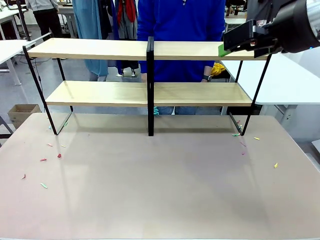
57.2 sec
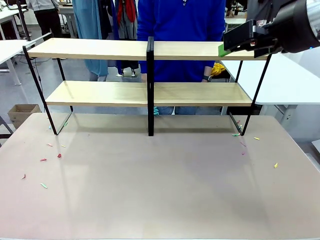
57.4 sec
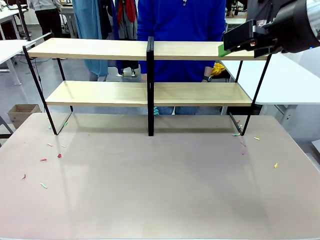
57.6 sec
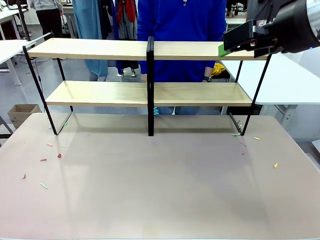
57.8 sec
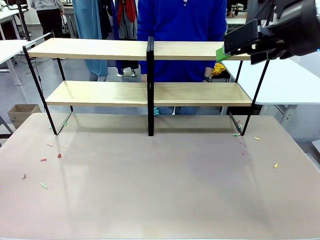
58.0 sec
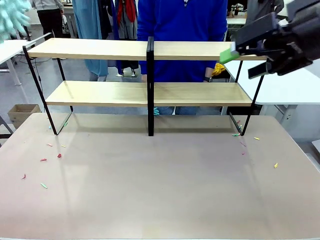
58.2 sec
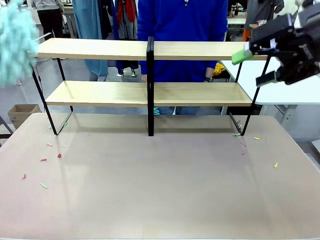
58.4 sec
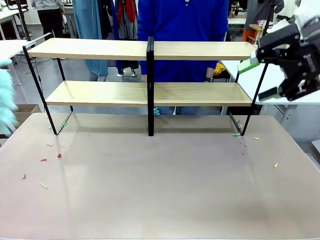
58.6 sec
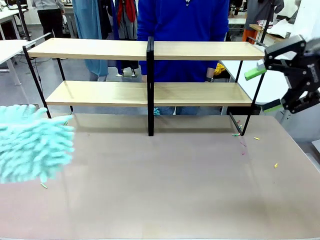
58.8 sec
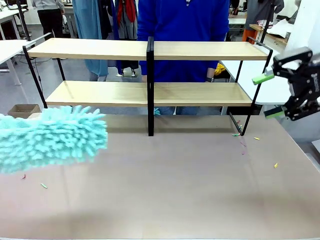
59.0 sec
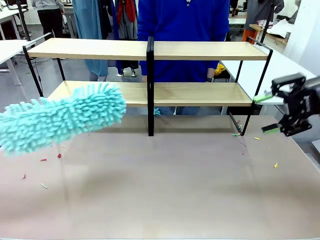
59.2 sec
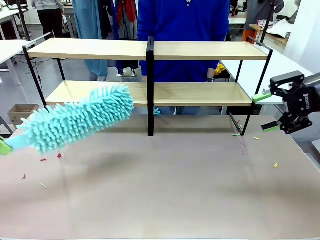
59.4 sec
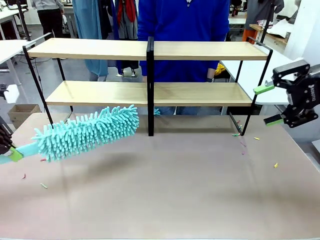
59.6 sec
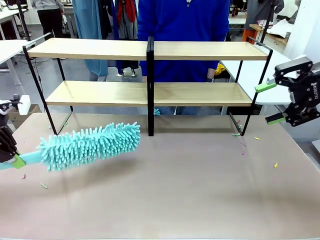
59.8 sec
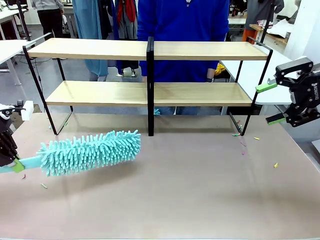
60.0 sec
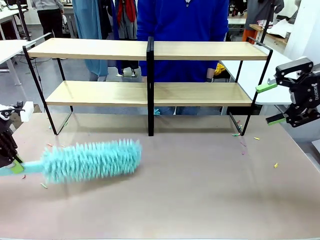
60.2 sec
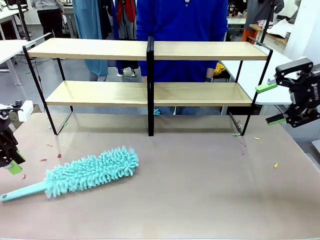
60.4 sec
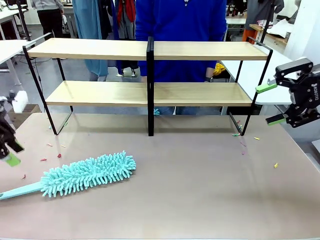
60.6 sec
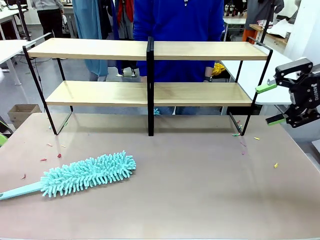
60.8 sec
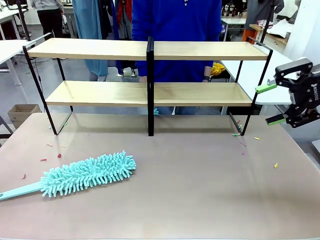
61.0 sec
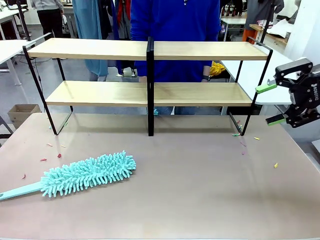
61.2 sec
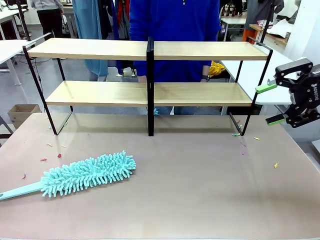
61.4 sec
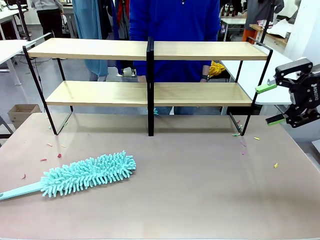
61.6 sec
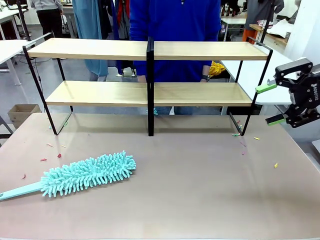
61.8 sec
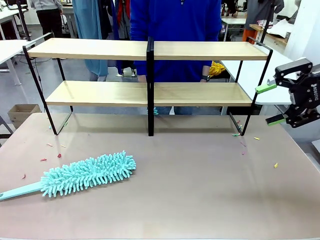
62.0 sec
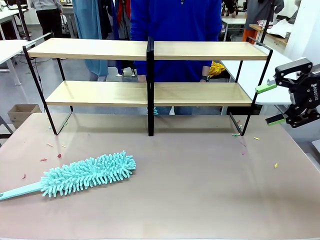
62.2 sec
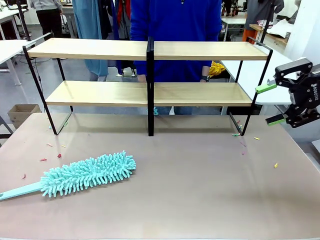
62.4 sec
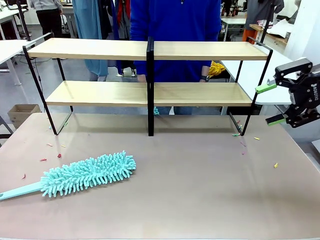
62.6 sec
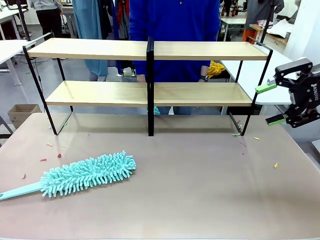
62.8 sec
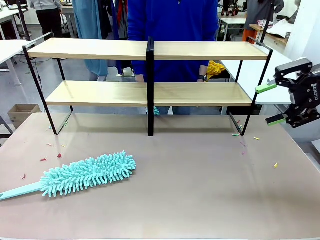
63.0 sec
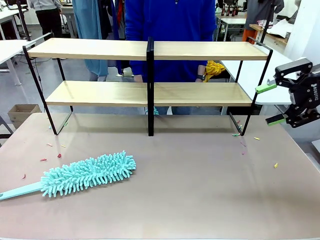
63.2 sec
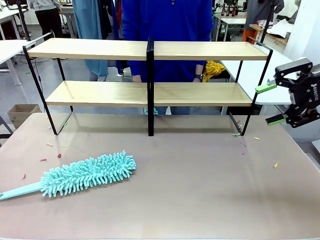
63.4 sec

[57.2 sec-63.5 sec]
Task: Clean the shelves.
Robot: Place the Duster on the table.

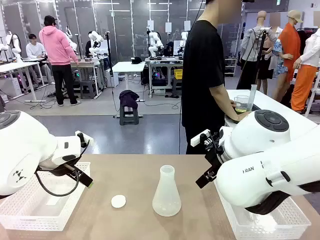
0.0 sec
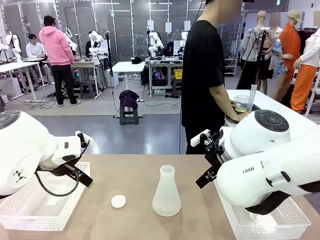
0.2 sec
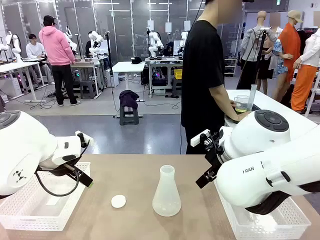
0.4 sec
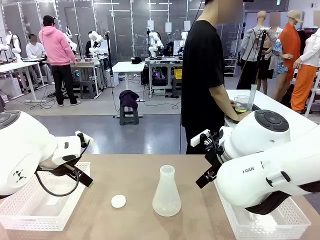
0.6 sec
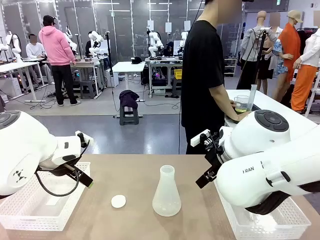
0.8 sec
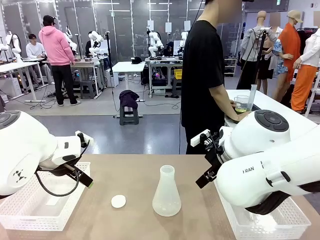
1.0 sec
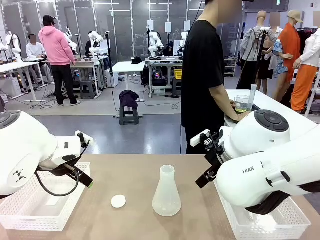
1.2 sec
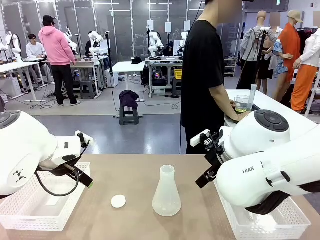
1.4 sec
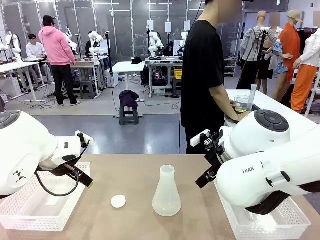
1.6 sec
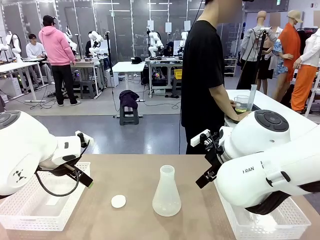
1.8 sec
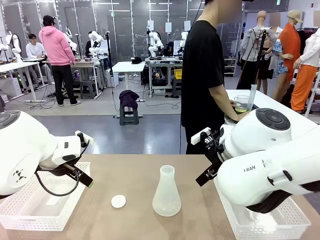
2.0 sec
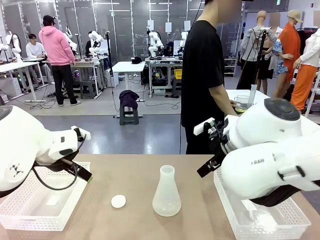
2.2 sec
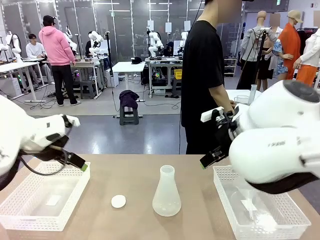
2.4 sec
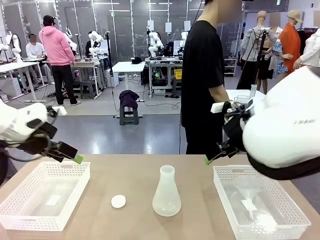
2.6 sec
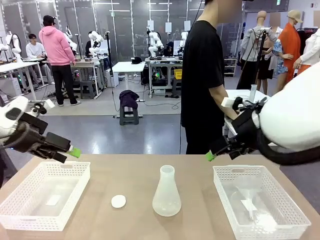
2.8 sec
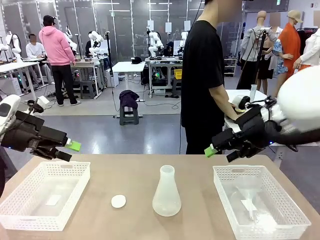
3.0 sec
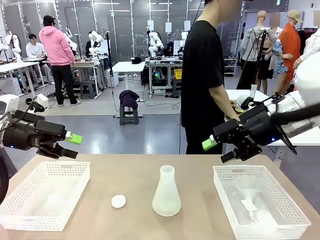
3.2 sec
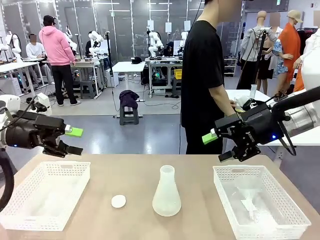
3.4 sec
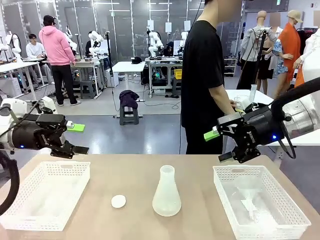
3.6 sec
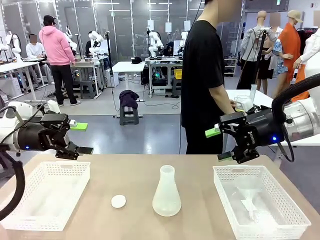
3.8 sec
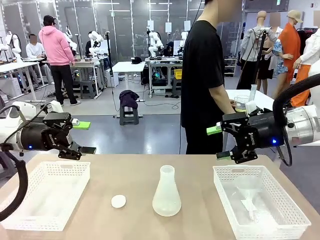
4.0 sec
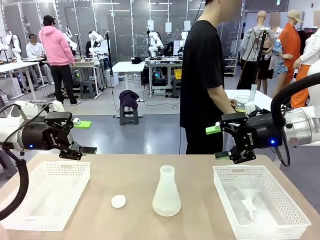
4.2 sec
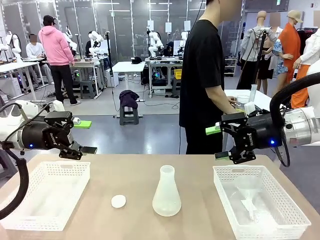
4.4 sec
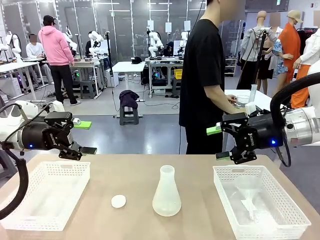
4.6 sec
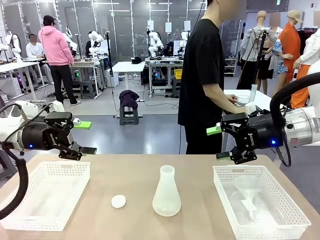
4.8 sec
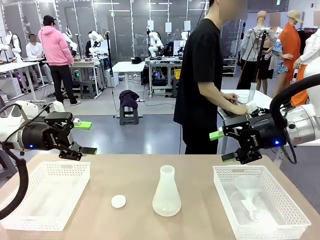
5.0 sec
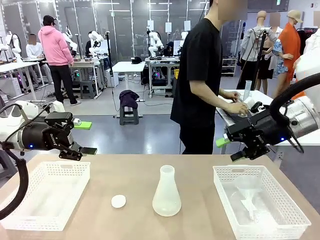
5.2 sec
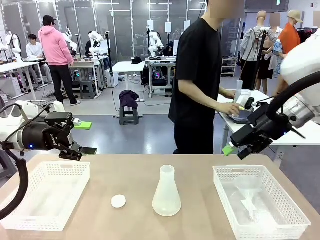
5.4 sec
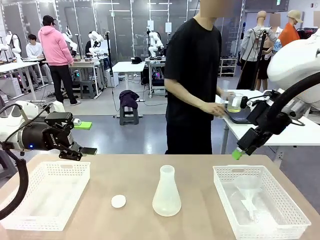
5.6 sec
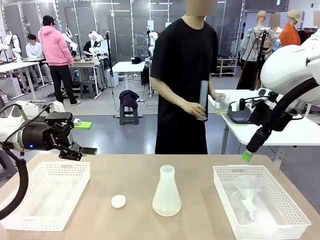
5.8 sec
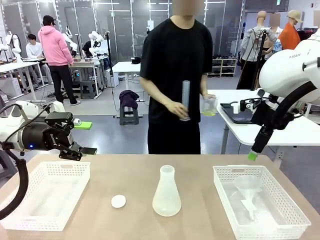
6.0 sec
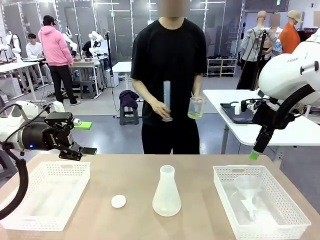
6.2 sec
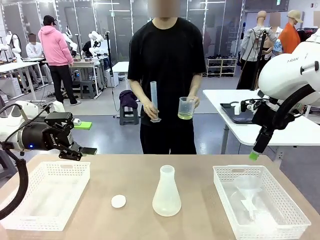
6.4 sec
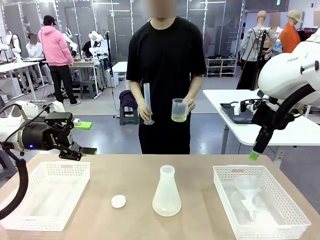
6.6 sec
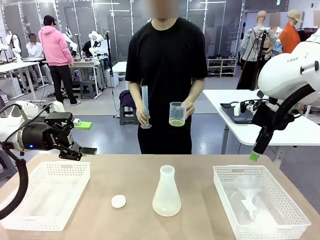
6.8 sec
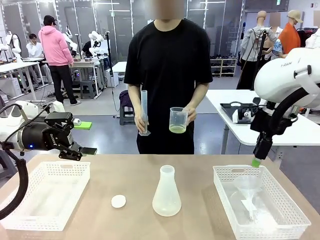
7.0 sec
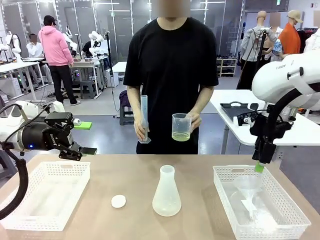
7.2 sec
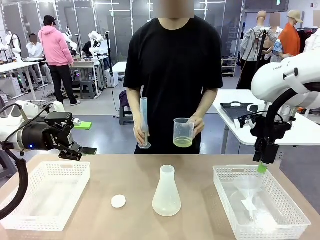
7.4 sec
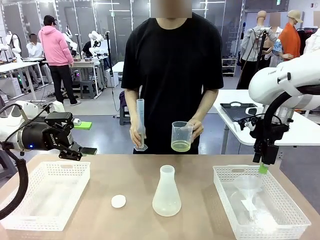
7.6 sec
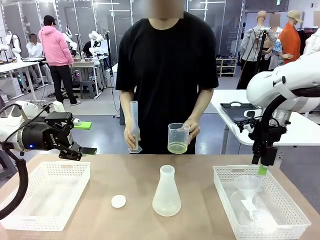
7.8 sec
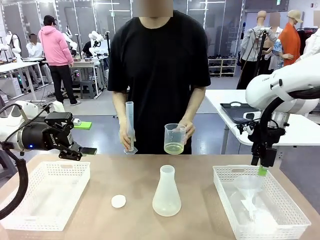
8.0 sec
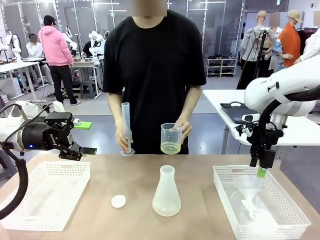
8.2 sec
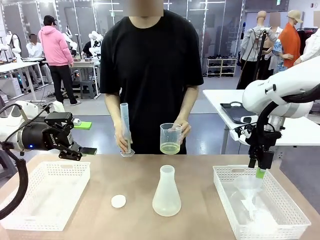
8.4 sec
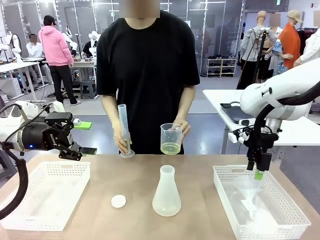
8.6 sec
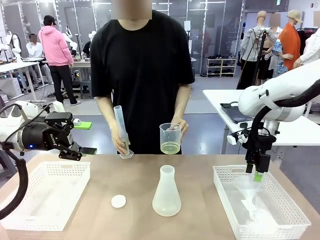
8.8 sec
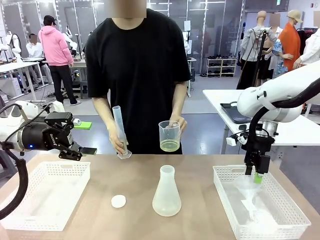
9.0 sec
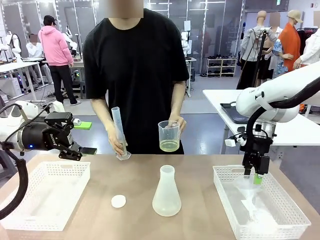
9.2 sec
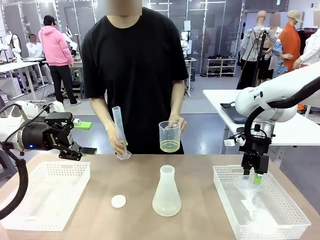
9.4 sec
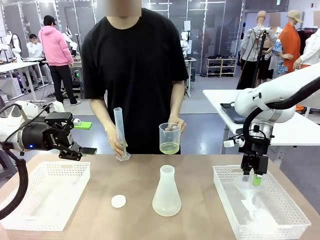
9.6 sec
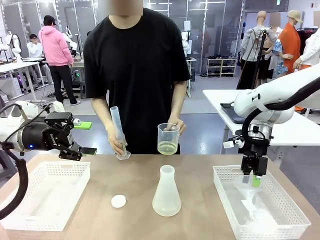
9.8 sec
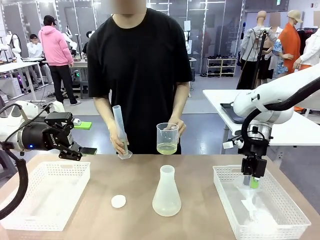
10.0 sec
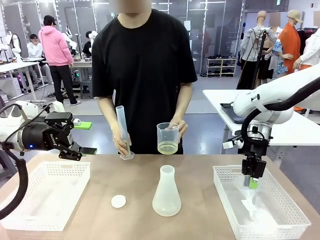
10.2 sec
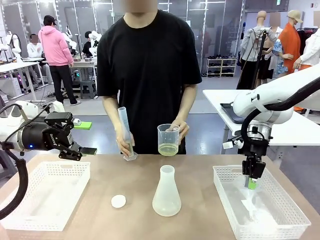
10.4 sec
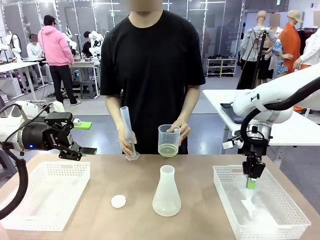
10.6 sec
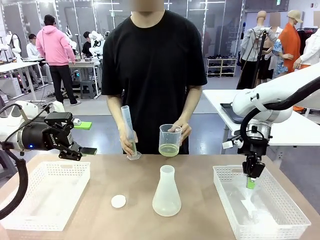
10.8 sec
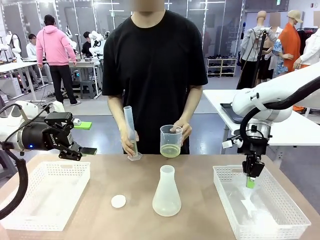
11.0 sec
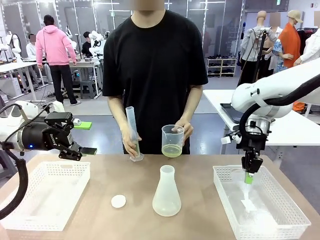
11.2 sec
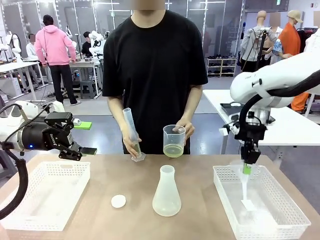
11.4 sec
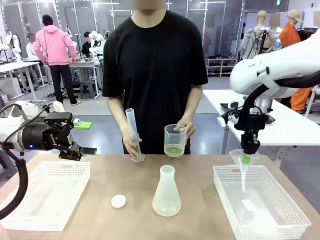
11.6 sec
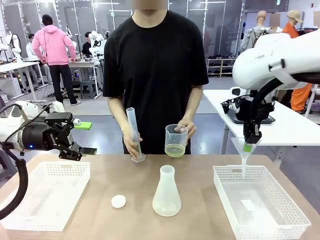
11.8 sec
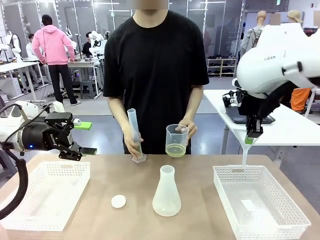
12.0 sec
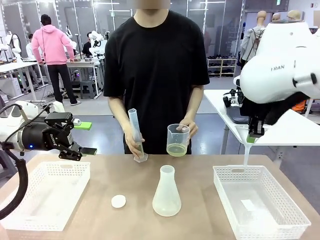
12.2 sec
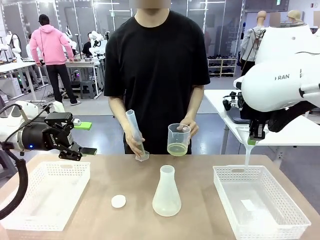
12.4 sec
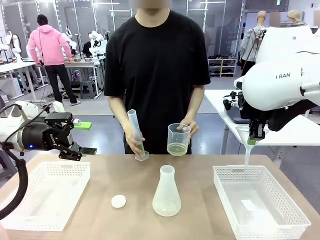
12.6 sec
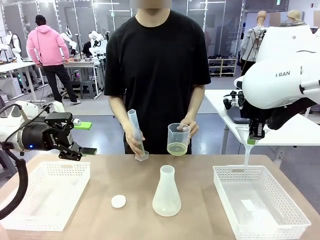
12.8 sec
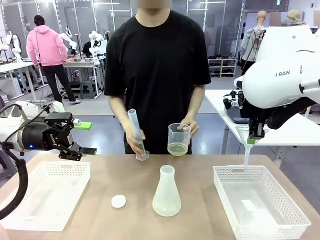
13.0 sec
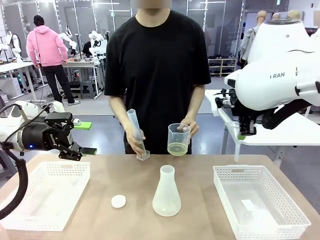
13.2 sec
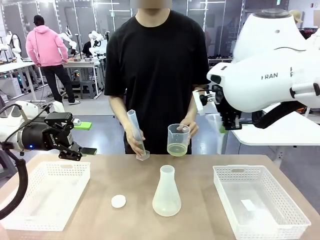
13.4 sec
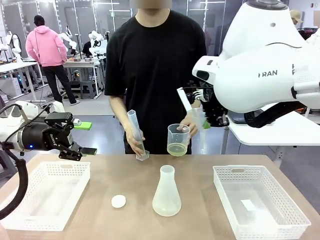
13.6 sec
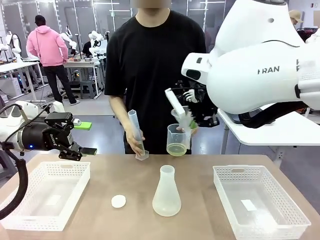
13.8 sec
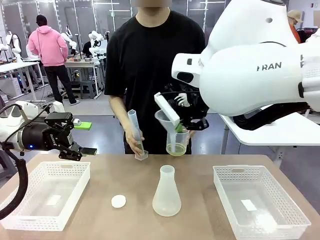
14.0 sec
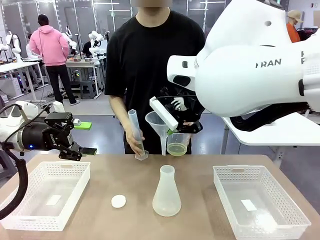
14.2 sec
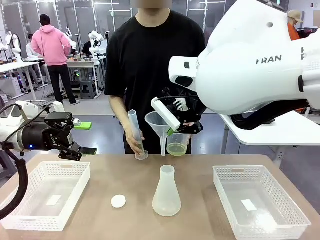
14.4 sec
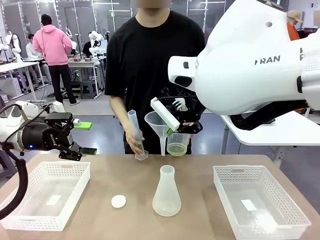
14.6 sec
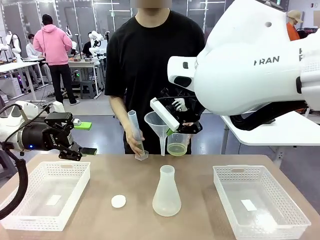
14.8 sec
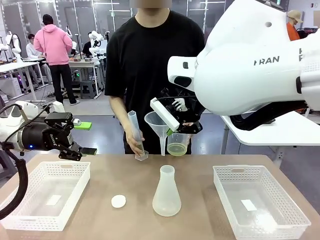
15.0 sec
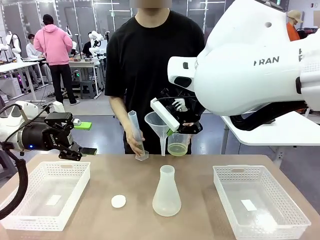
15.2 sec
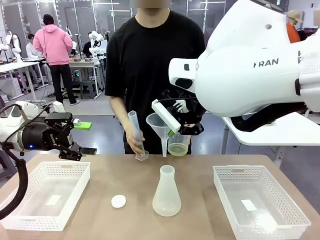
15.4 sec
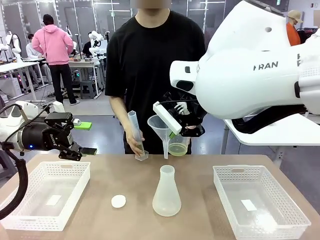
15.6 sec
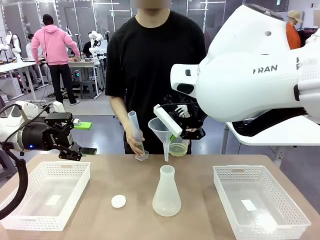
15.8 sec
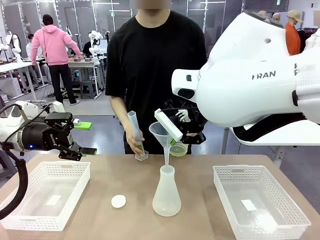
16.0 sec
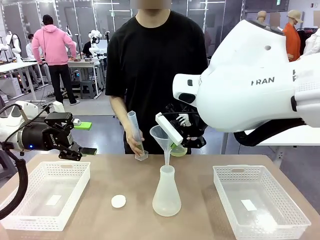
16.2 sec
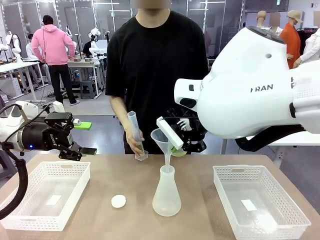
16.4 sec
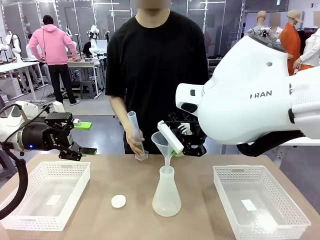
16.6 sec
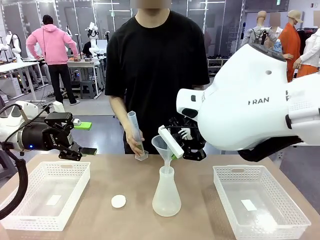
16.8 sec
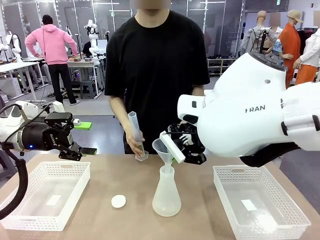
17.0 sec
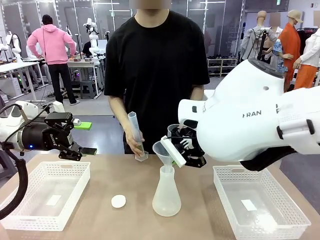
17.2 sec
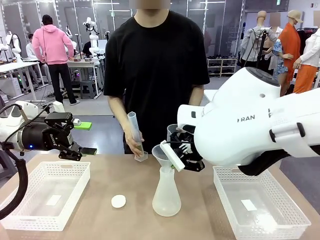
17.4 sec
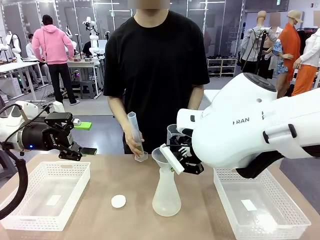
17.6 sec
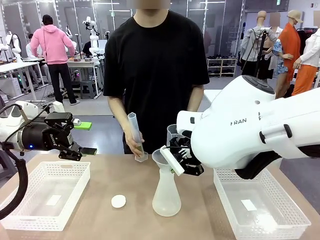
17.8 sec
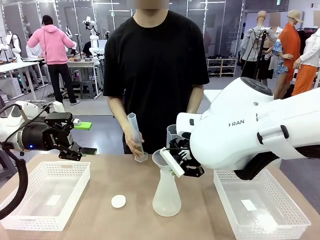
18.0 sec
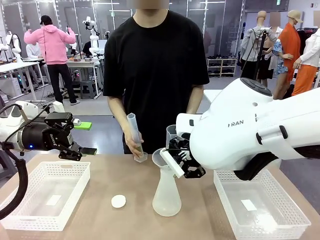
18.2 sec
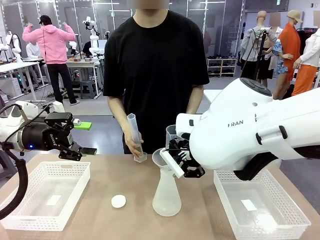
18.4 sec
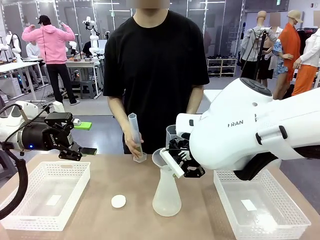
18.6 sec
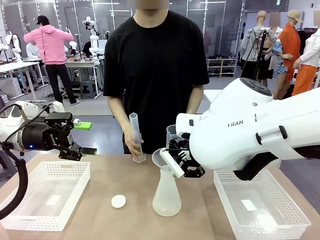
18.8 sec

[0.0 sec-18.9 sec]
Task: Prepare the solutions needed for the experiment.
Robot: Pick up the Plastic Funnel and insert it into the Big flask.
Person: Pick up the beaker and the cylinder and move to the middle of the robot table.
